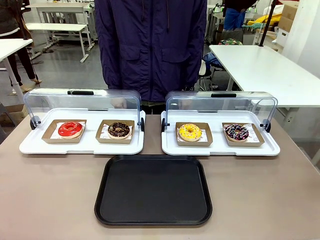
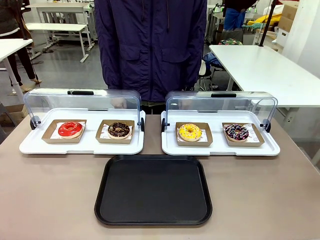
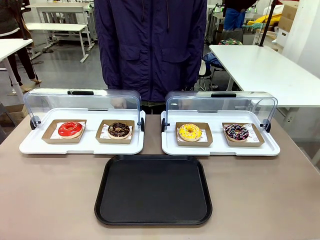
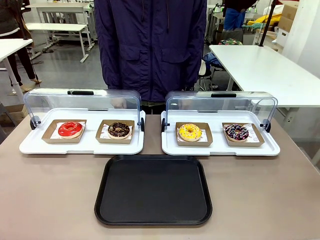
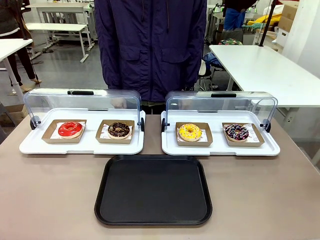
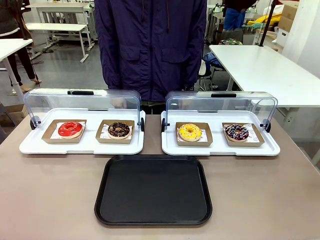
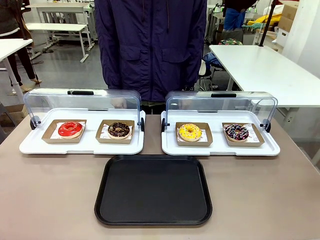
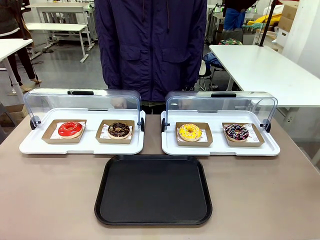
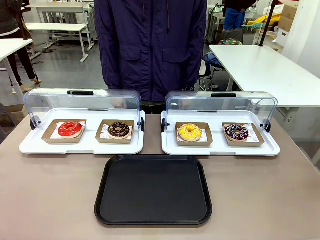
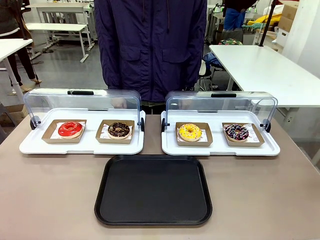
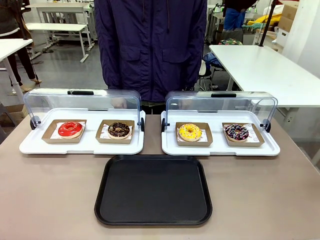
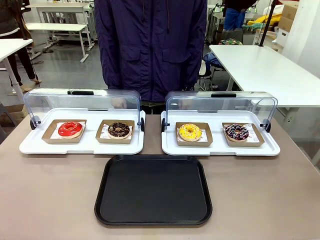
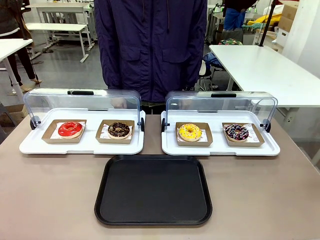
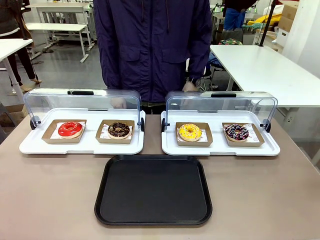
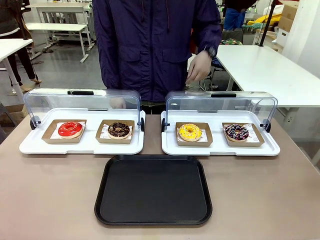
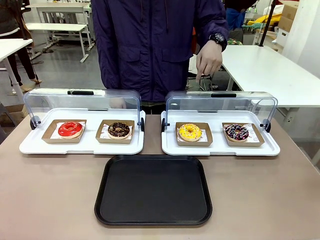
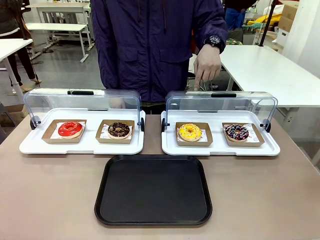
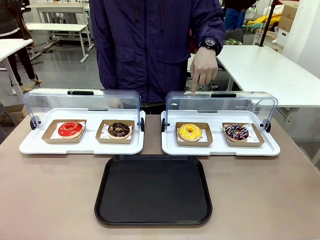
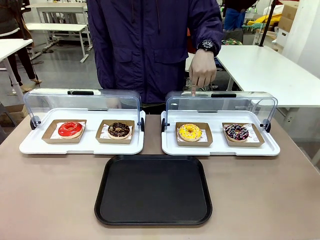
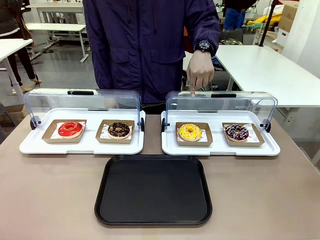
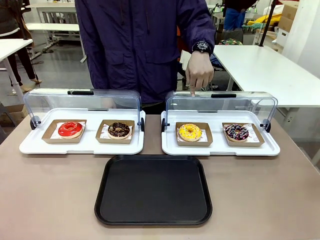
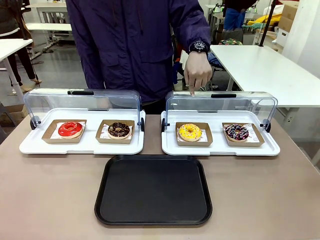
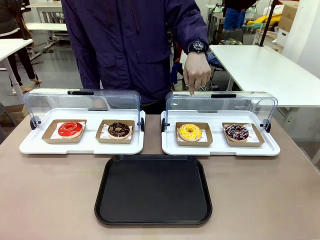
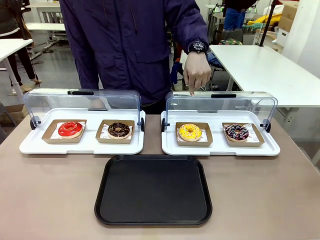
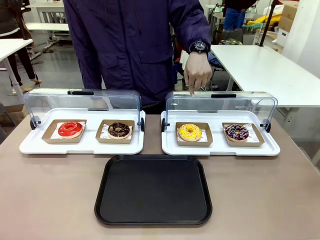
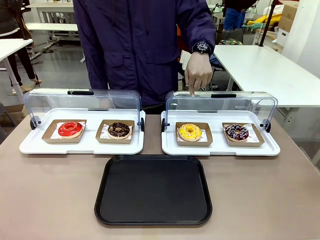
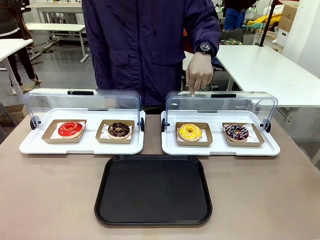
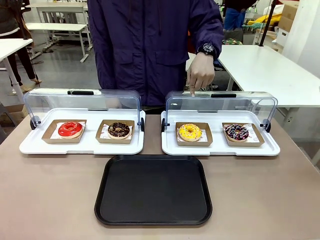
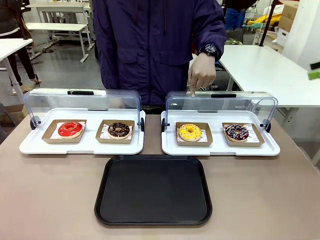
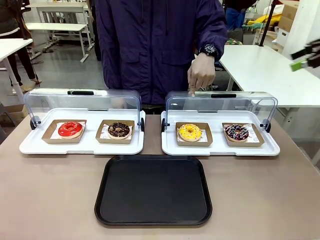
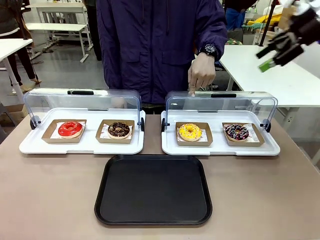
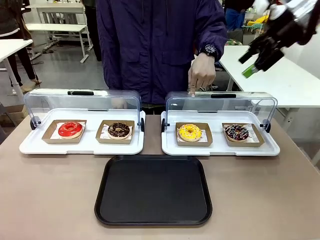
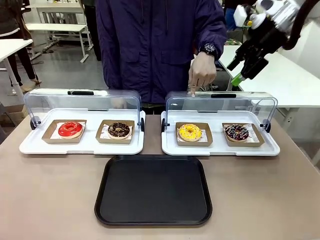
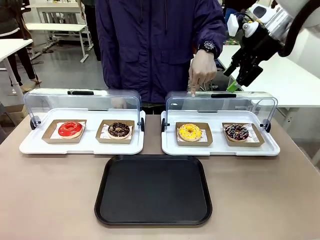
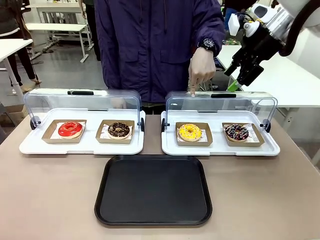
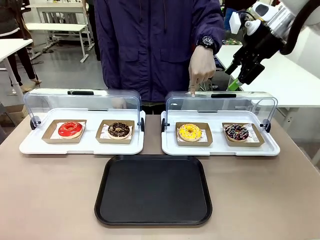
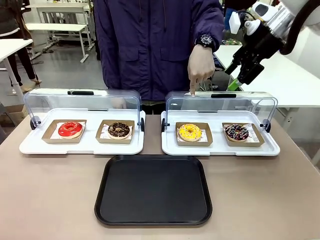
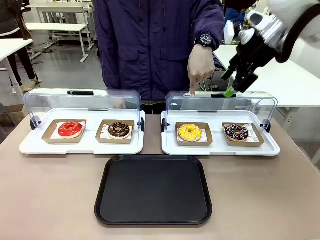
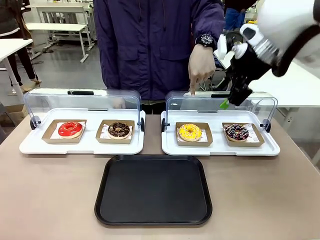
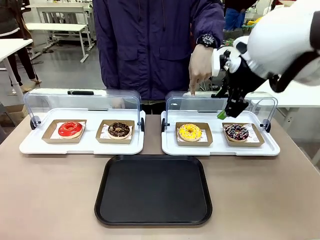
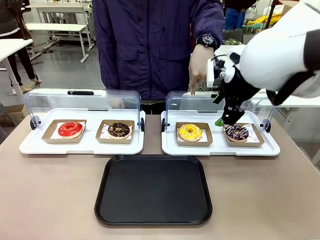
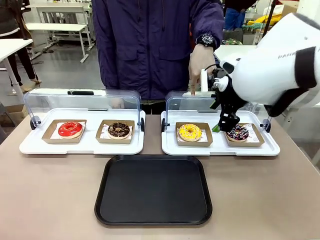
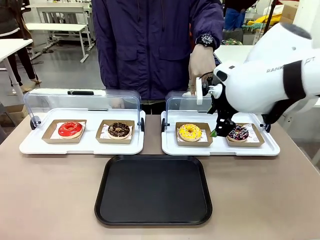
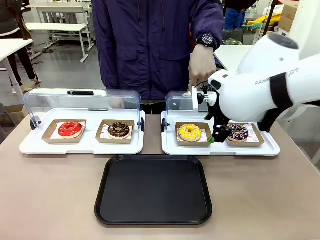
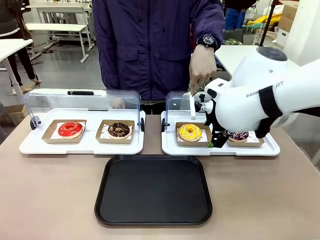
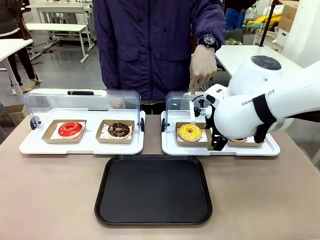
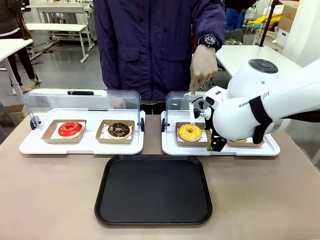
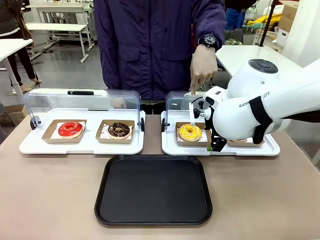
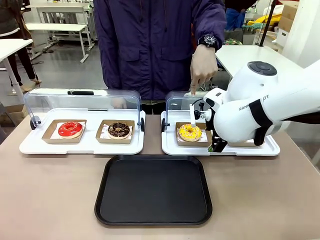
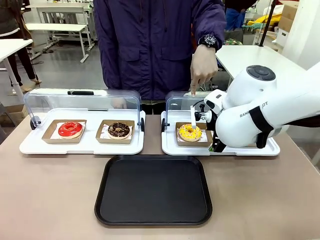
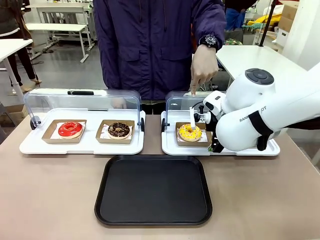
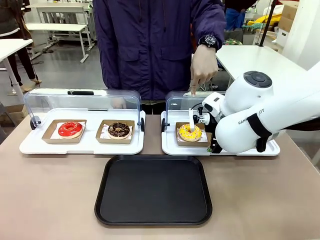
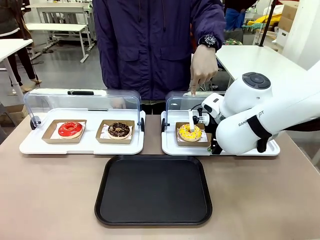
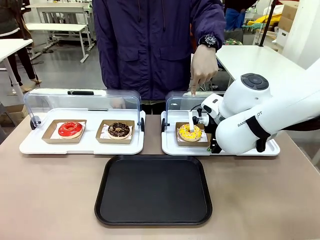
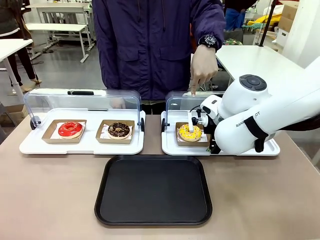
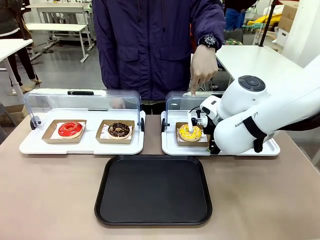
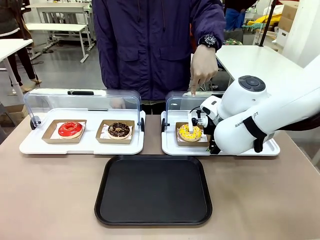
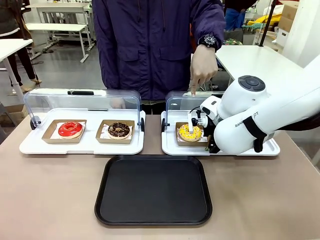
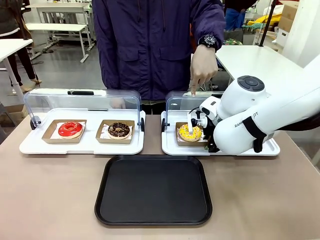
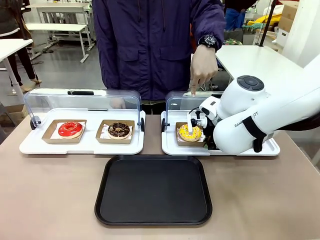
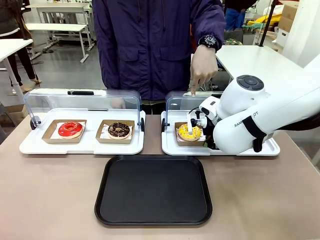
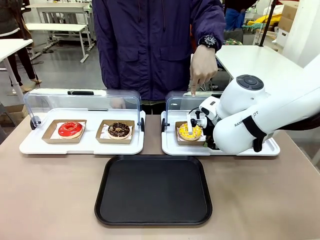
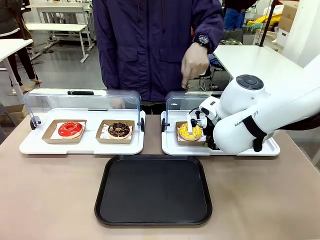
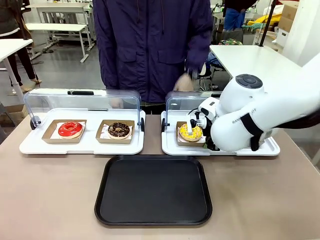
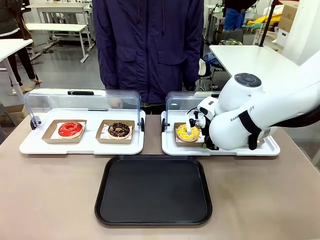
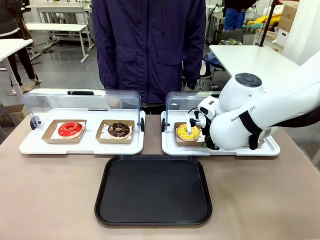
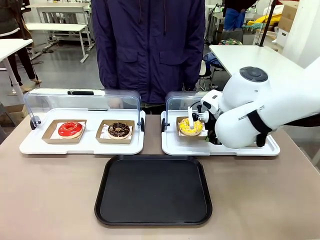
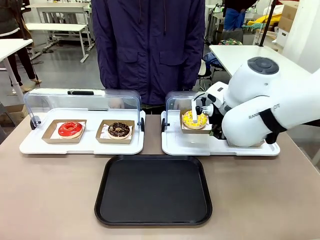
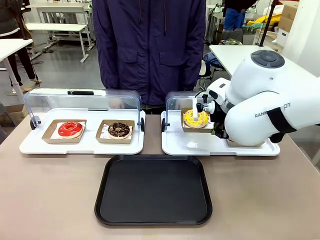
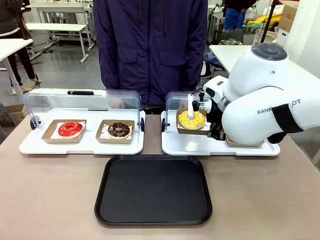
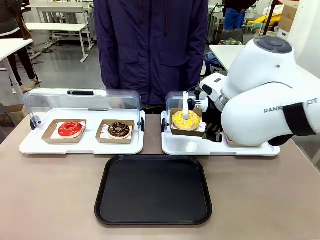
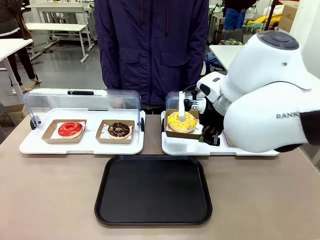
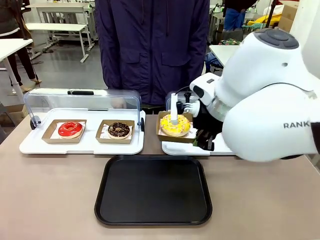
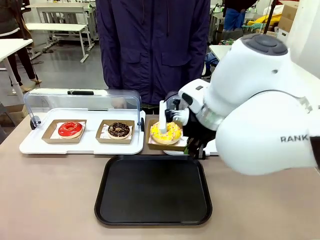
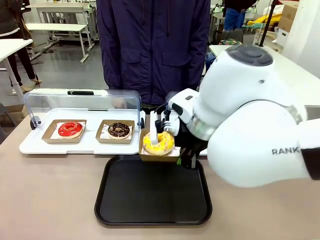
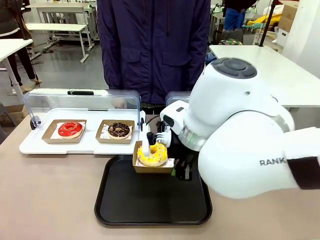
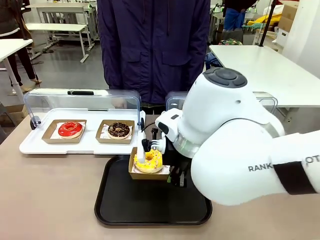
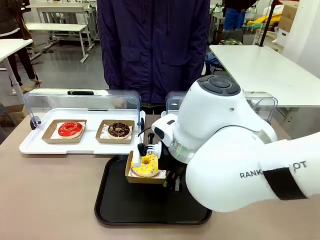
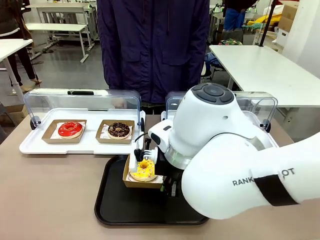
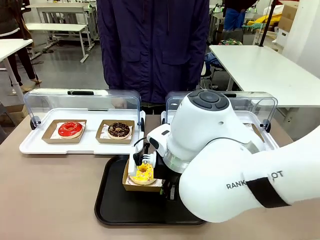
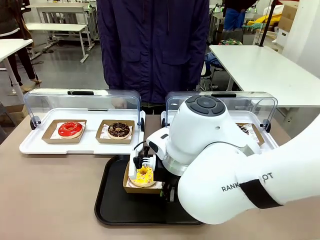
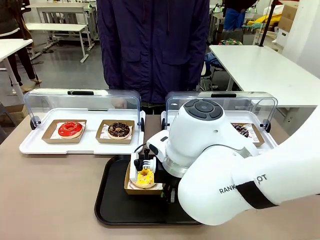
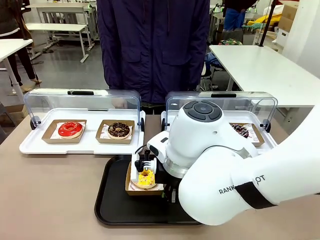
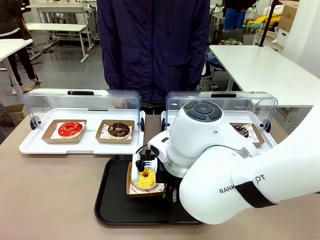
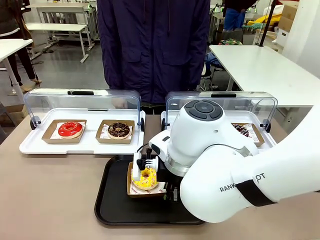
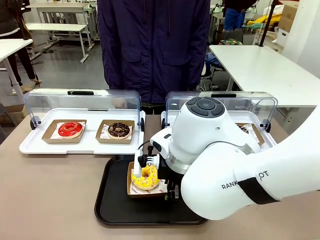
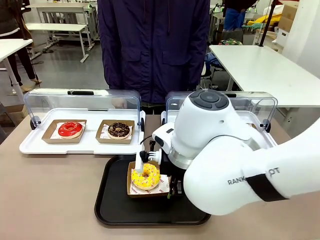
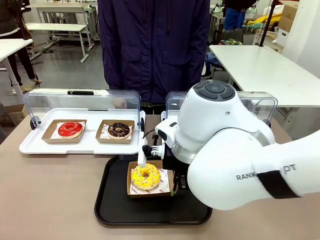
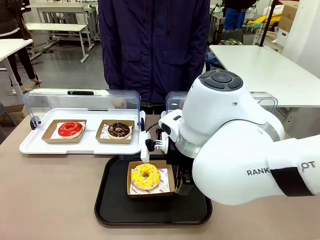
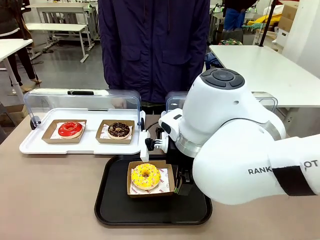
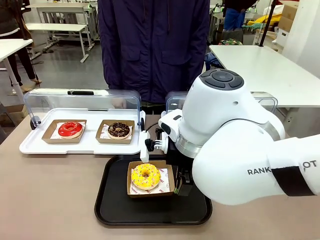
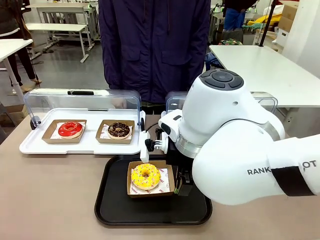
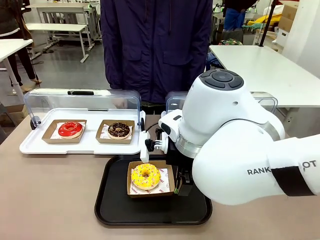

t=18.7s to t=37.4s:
Task: Move the third donut from the left to the tray.
Robot: Pick up the Paper togo box containing the Donut indicated by the person and place it on the Handle tray.
